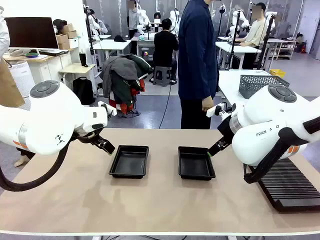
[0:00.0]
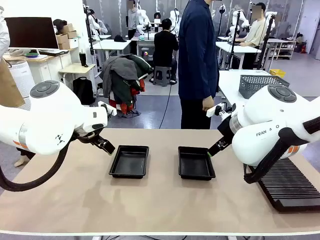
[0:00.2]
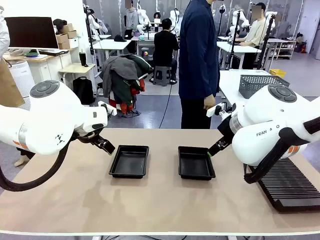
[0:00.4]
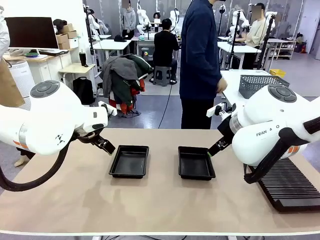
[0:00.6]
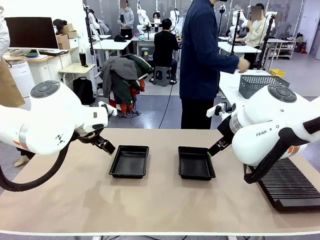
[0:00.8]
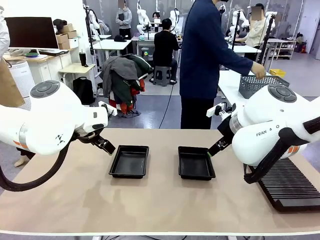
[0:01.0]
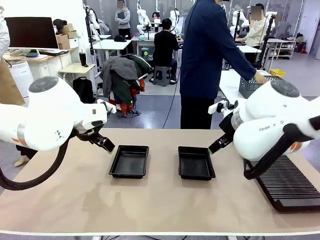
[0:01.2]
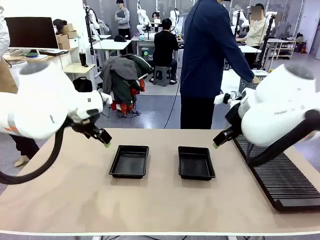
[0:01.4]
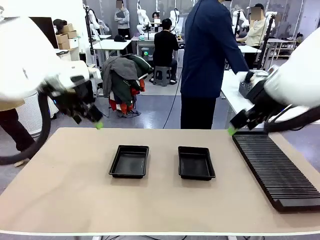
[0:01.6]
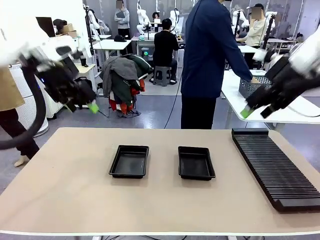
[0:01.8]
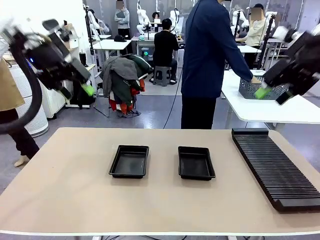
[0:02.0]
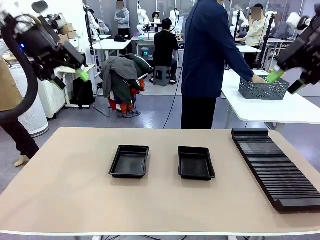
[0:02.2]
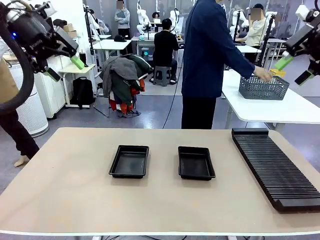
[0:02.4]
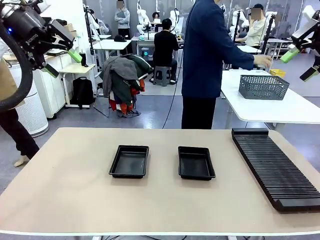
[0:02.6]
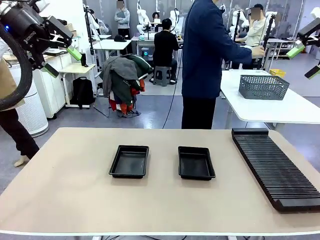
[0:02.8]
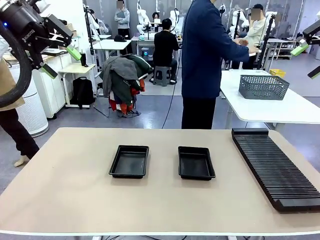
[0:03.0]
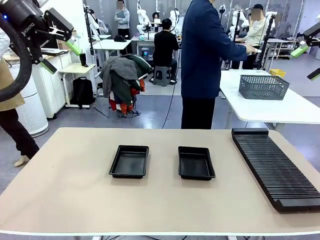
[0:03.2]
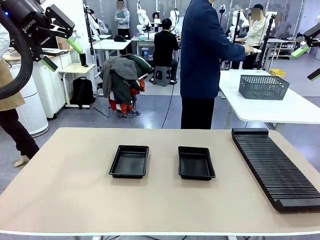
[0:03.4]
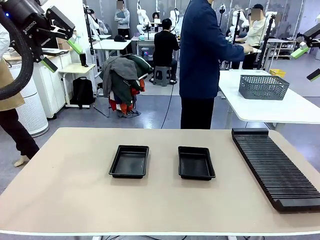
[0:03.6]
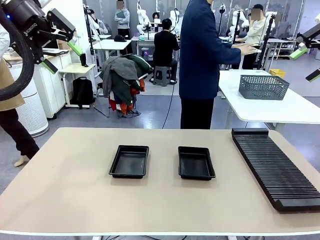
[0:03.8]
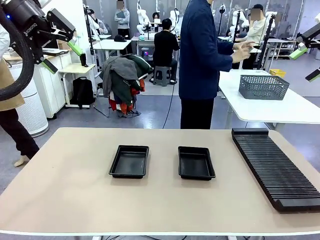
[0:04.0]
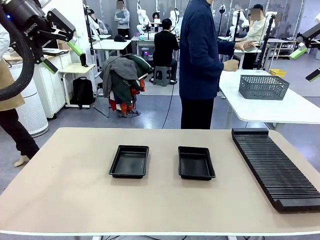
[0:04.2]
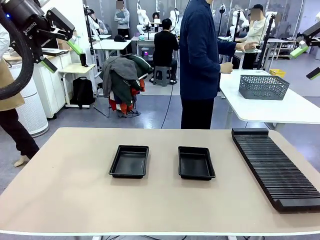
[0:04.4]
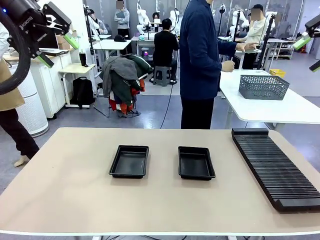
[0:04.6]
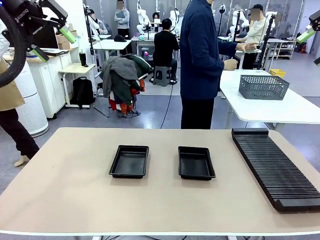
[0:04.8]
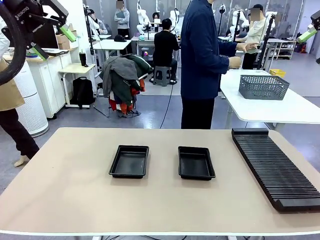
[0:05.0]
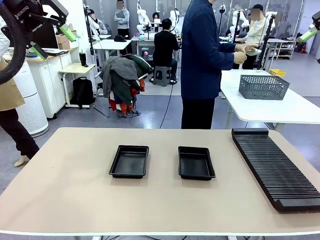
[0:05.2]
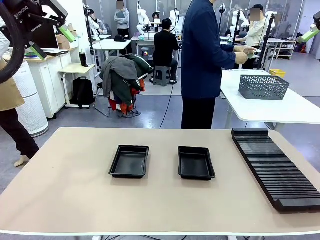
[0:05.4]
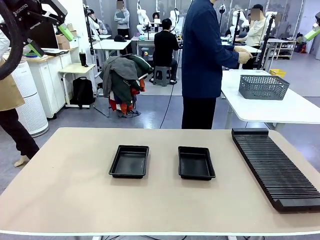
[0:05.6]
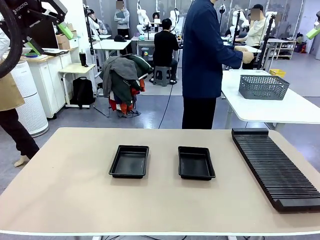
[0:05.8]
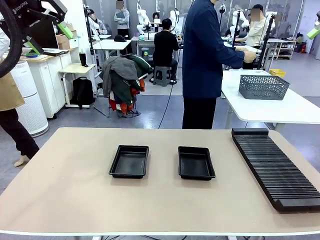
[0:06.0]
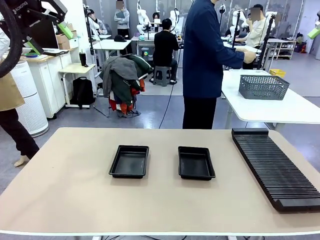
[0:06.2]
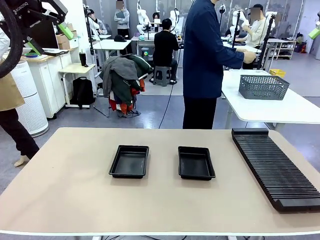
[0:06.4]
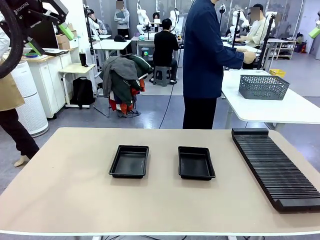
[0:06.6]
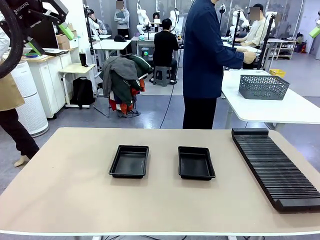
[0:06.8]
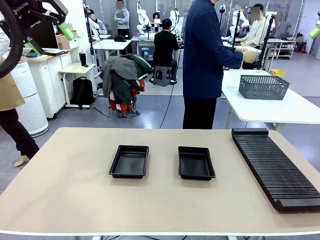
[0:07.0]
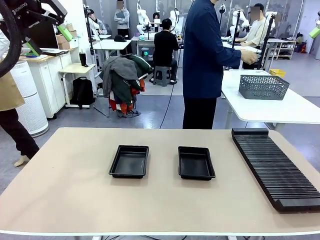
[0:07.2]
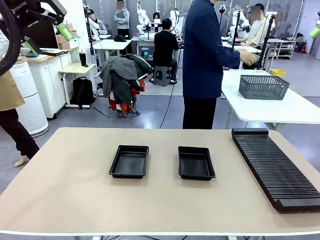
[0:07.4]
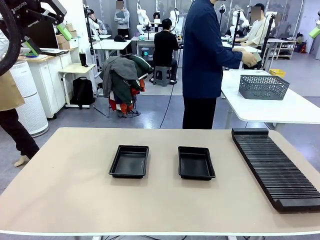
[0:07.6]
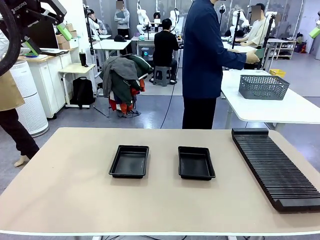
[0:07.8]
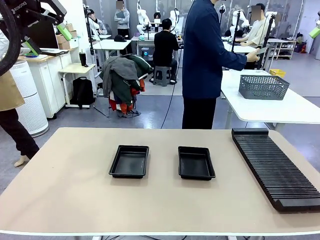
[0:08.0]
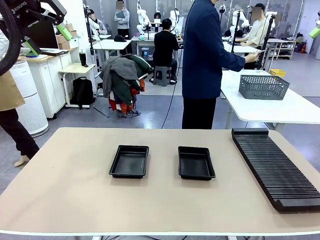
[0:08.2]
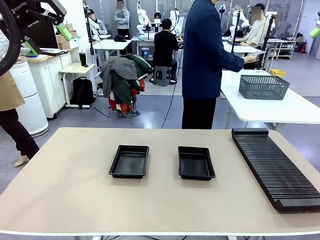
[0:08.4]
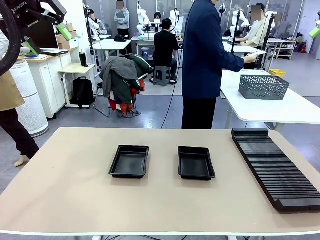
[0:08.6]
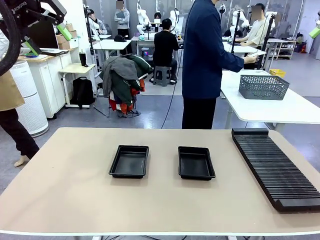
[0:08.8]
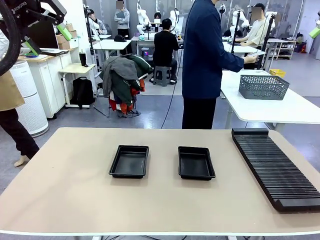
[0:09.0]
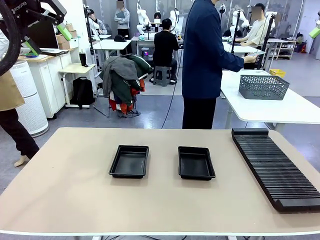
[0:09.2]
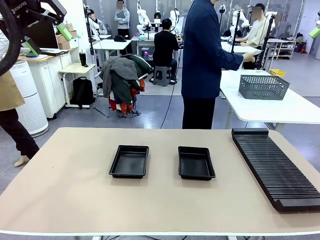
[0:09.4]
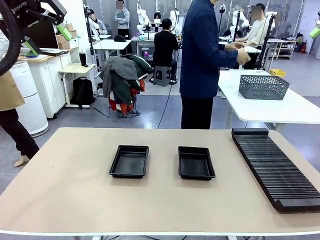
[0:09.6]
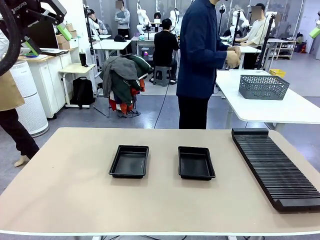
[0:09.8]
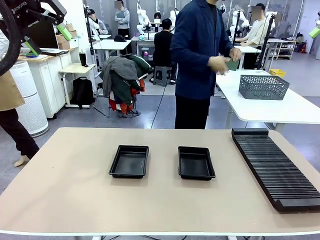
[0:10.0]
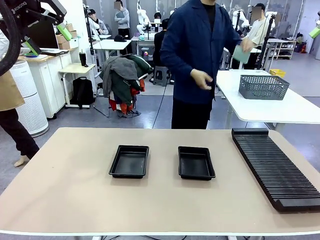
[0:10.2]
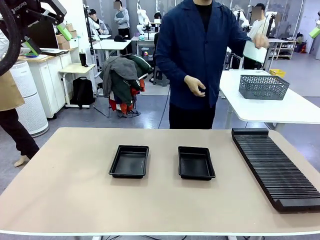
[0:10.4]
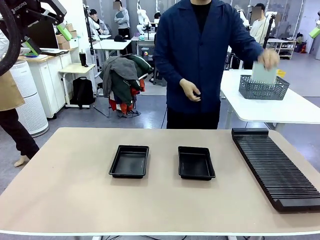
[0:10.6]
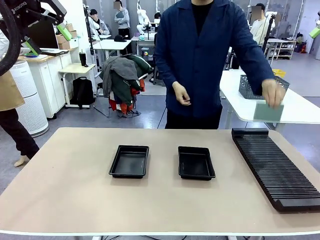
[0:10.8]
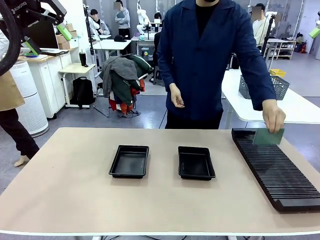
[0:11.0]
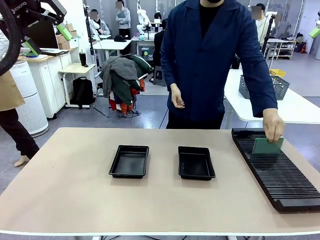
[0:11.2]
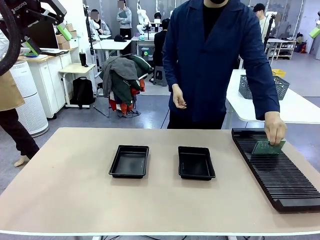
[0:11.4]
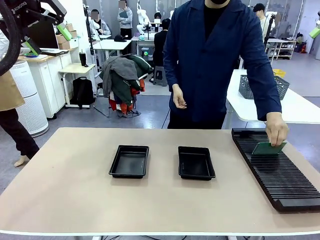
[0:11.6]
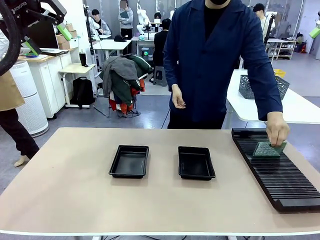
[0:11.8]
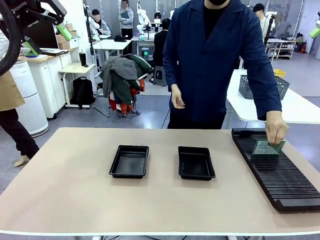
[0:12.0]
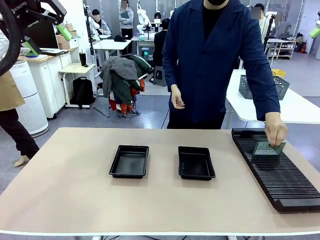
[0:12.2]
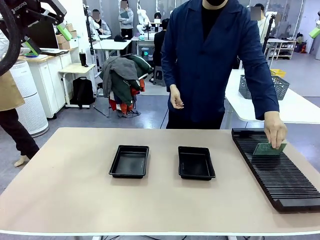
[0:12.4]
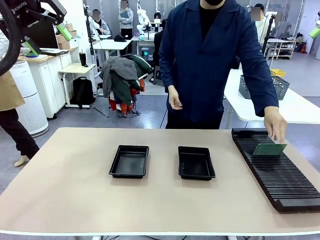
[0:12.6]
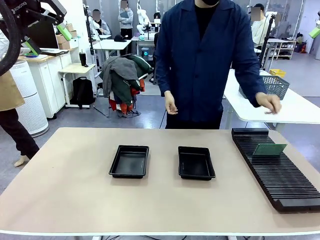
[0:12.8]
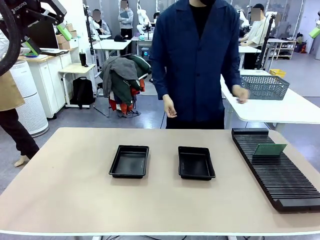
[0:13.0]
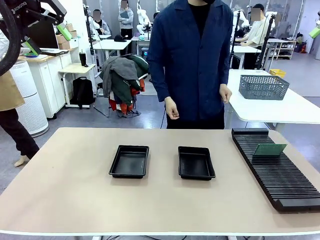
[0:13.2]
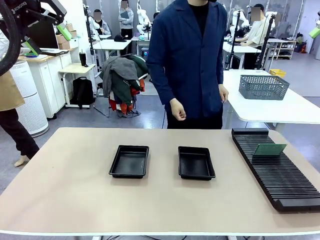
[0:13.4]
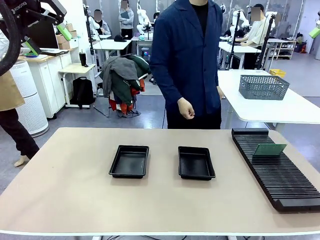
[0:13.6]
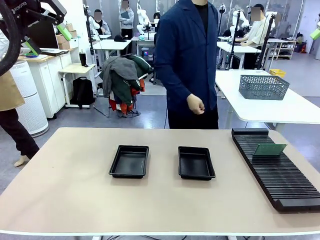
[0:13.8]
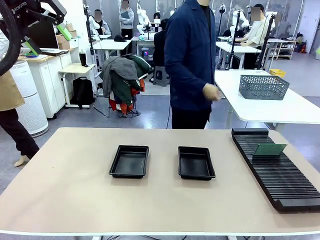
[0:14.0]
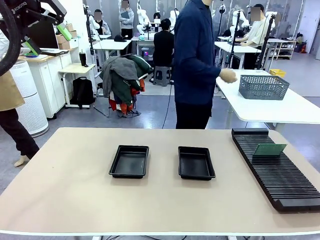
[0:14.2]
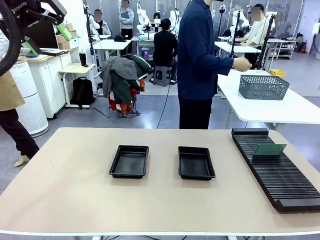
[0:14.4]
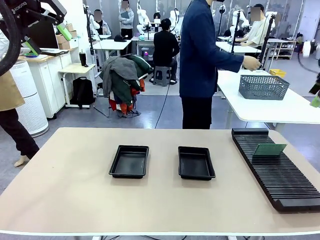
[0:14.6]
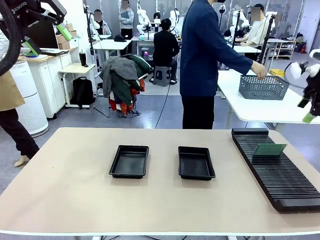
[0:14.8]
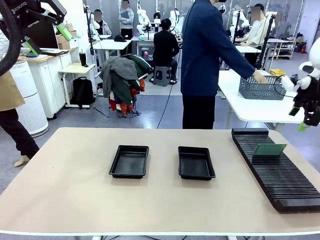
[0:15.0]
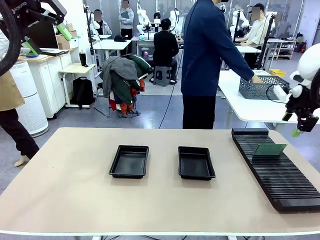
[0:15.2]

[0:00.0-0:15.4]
Task: Inspect and transfer BCBs to ESD trays.
Robot: Pick up the Blank PCB from the PCB Rack and place it in the left ESD tray.
